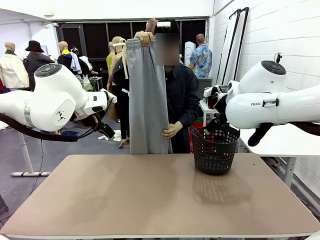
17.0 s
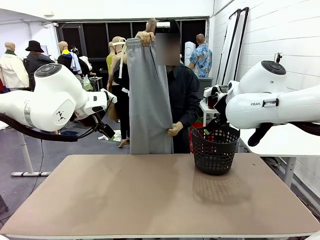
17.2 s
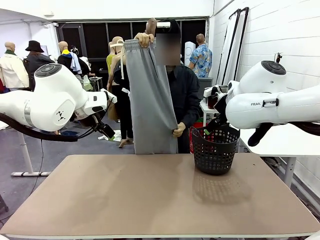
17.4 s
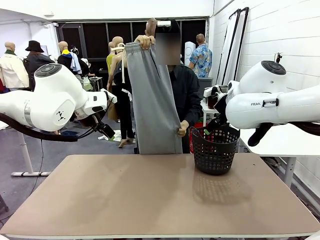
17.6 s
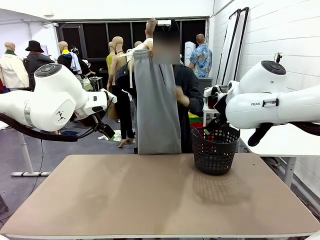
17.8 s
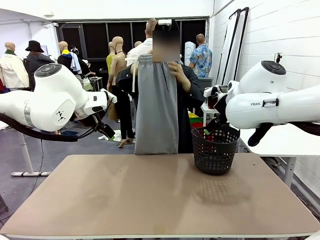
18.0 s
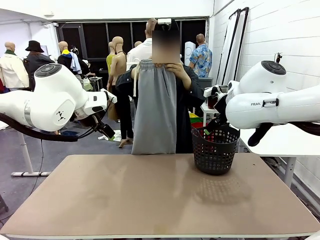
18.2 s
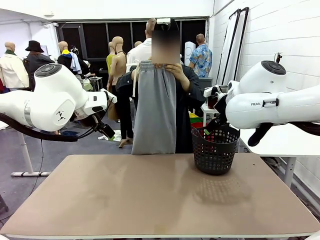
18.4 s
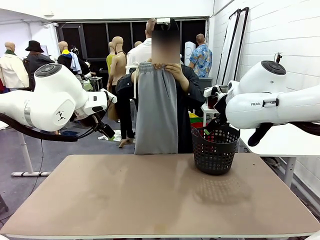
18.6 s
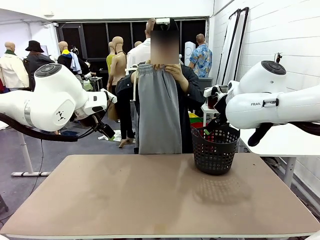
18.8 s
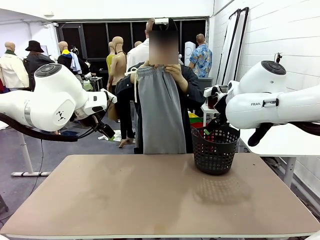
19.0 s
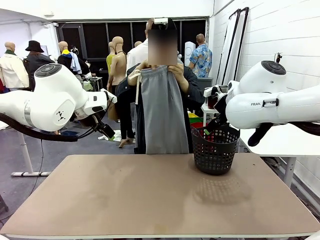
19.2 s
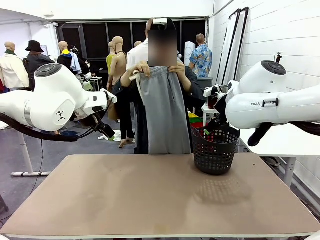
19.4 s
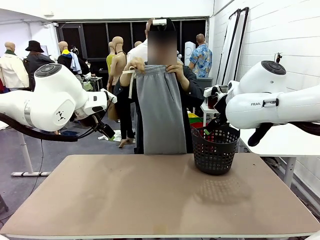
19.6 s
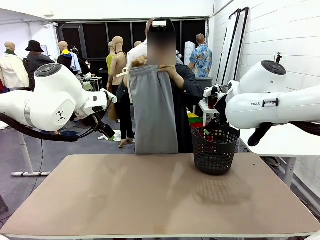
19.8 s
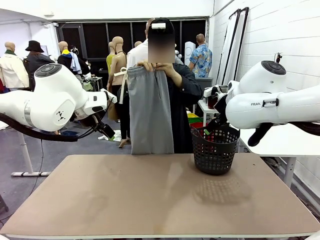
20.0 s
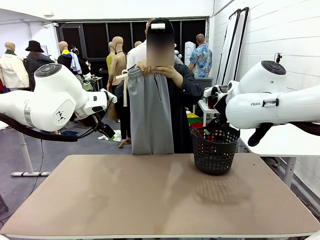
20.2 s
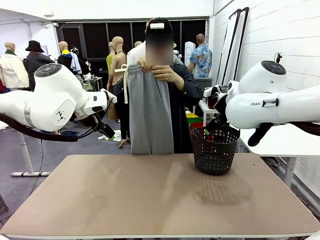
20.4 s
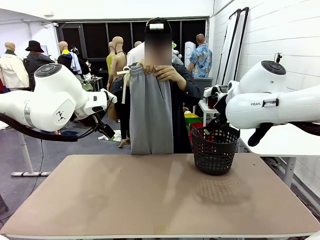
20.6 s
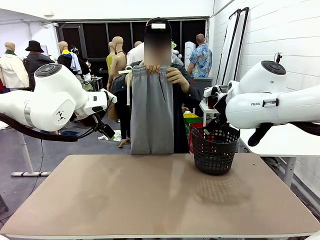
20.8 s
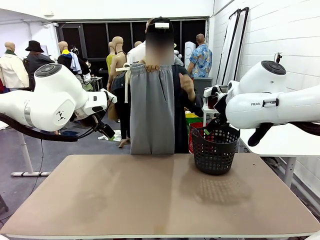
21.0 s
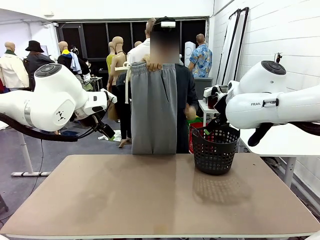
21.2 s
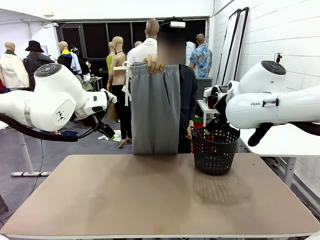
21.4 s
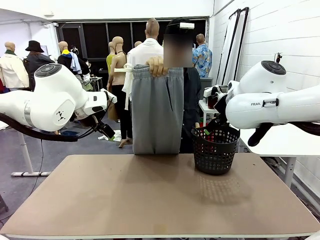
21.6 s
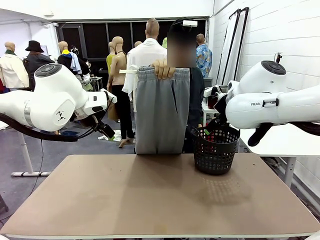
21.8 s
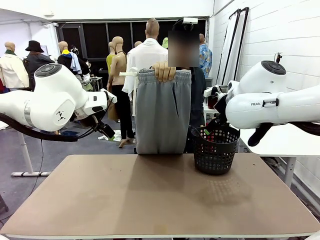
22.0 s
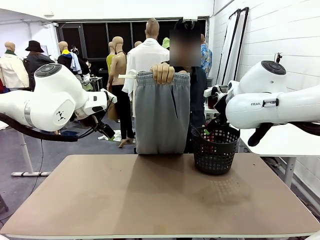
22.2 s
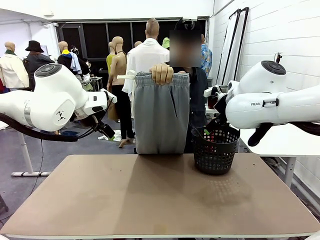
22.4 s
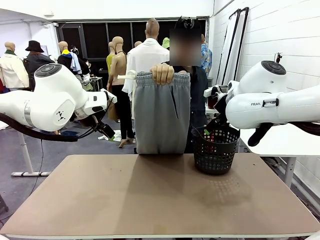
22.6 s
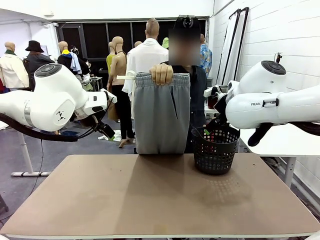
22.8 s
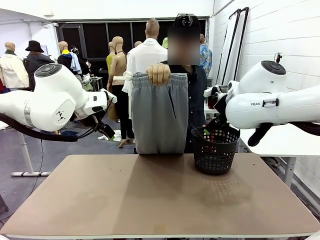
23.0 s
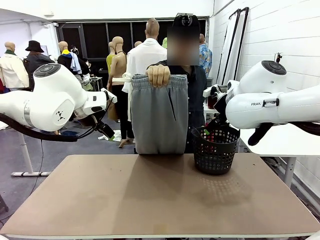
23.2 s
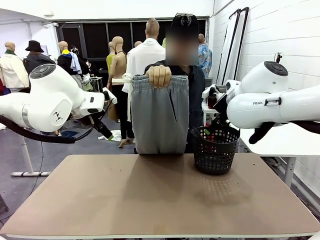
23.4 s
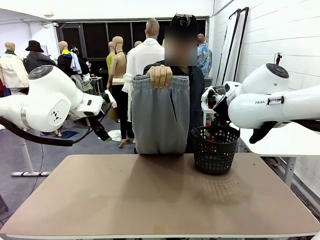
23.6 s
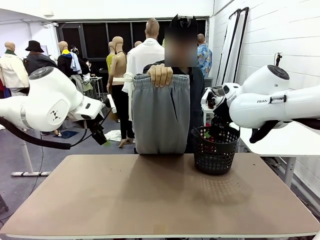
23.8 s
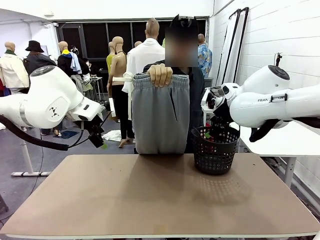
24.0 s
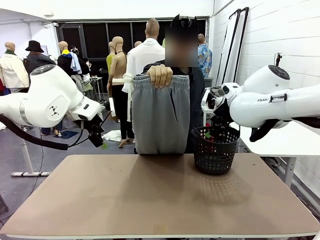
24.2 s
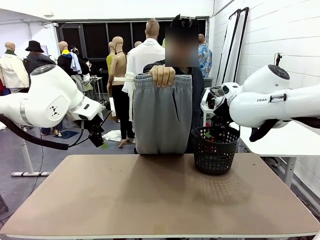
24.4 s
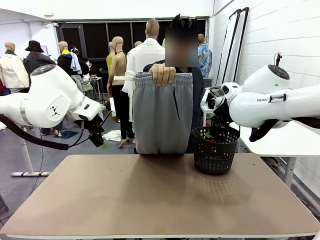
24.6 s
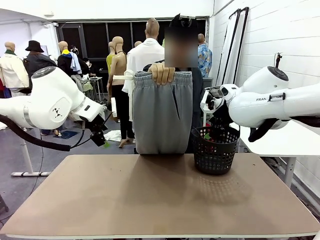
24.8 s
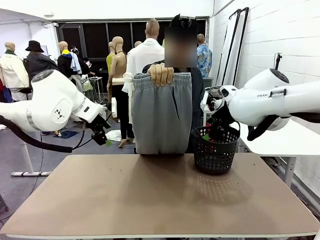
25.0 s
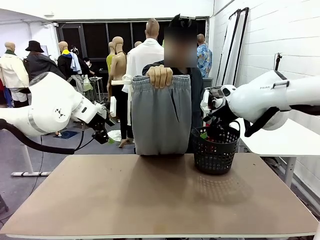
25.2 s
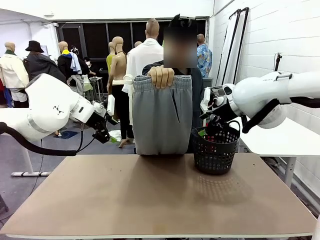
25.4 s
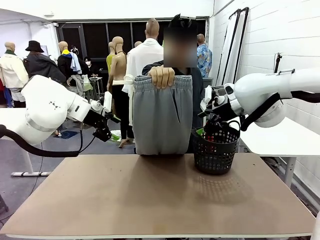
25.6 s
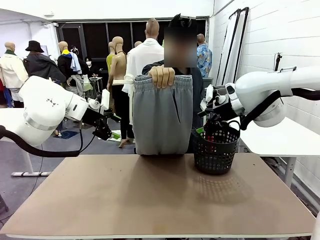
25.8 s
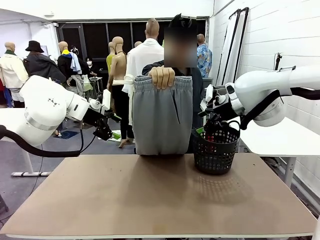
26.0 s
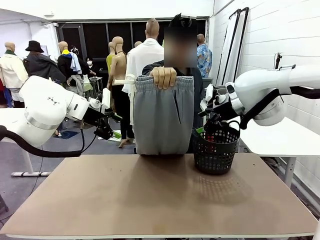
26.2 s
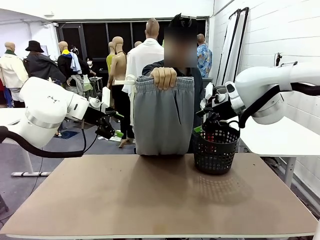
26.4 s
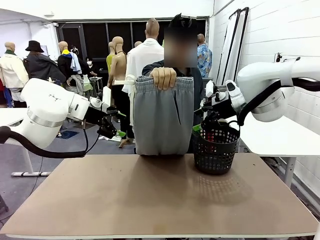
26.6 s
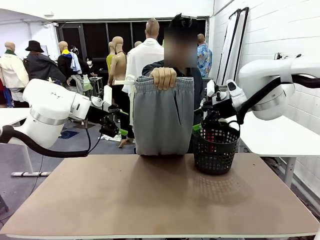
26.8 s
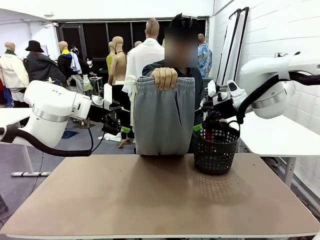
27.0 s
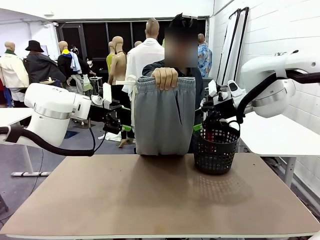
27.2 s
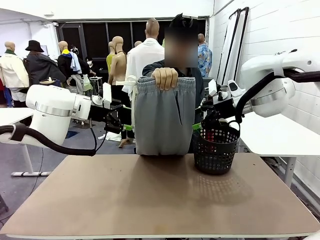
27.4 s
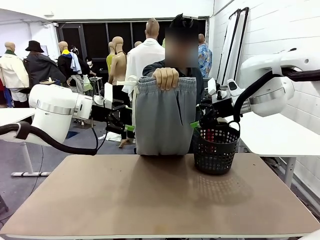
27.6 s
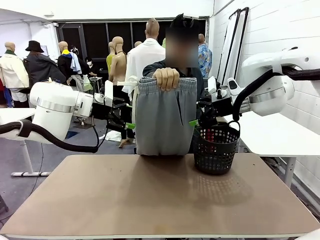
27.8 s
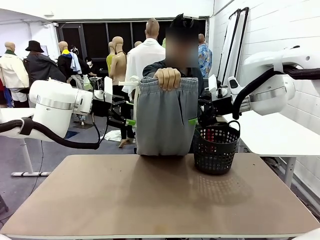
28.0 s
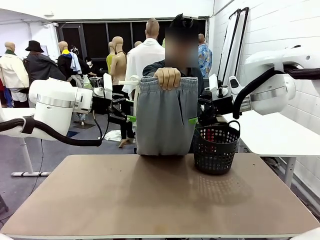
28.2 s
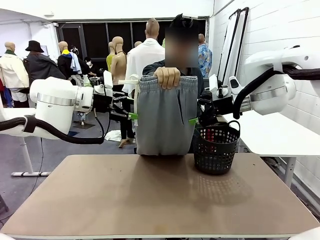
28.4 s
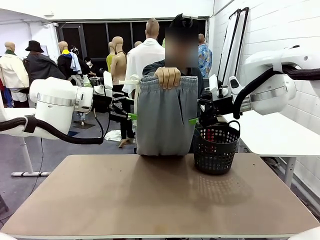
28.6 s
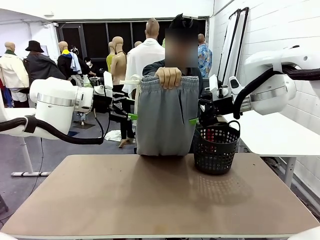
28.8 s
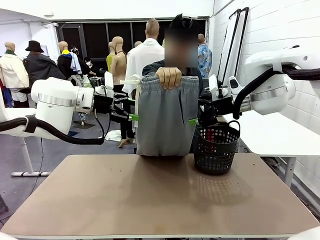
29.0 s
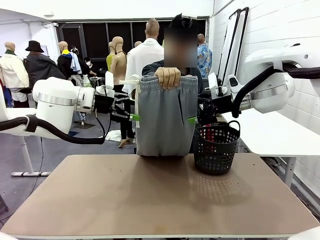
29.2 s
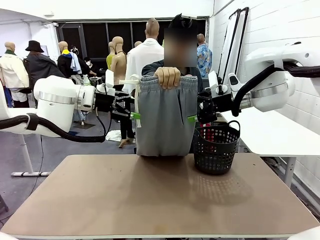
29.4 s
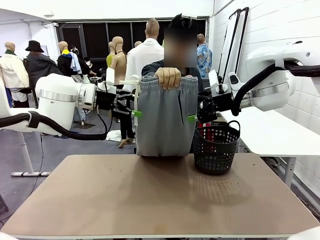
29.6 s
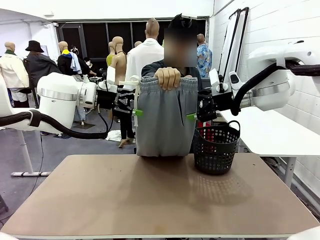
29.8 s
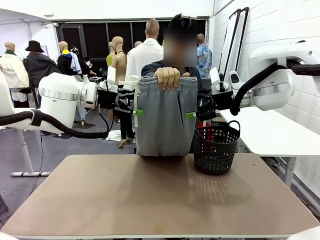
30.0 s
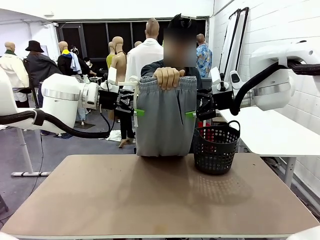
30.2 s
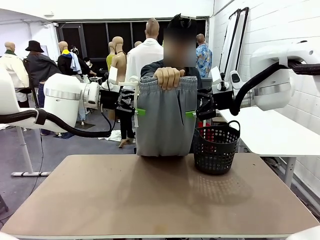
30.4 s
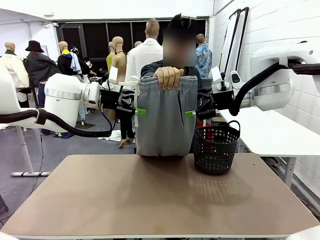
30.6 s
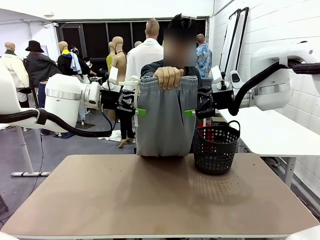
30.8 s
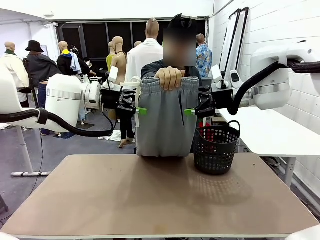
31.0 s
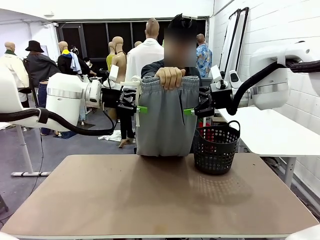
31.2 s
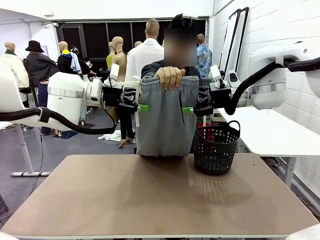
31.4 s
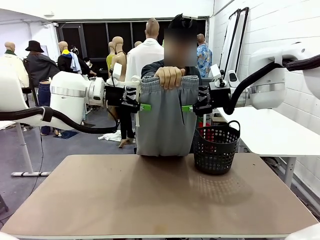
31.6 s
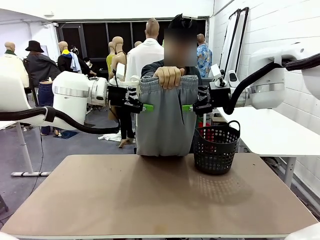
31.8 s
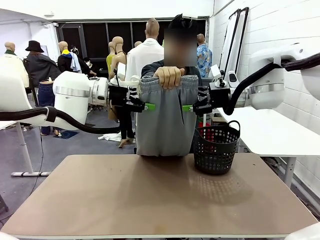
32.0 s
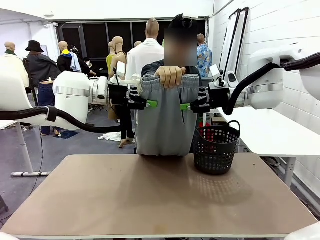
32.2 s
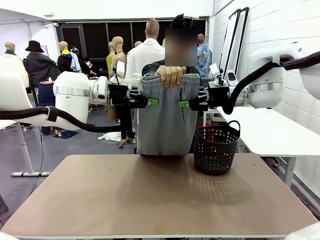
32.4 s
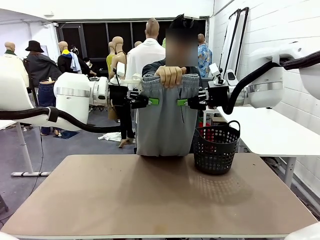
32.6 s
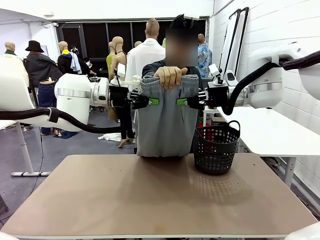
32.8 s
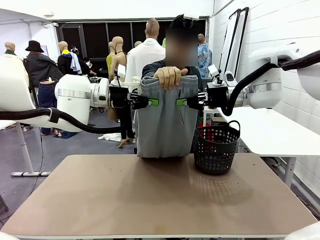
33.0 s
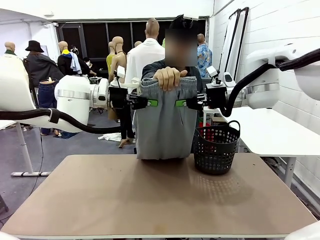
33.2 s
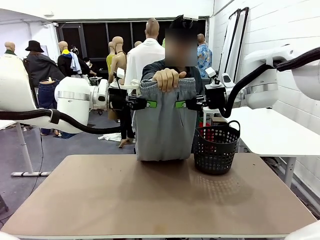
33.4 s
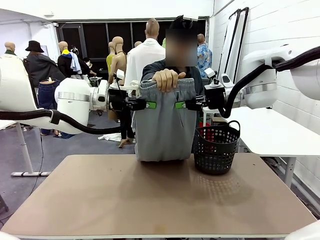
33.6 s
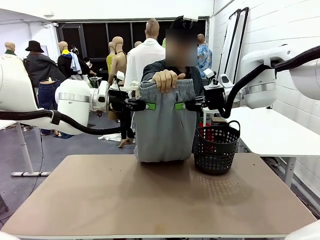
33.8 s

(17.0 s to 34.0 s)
Task: Fold the training pants.
Robot: Grab both ends of the Training pants handed by a person.
